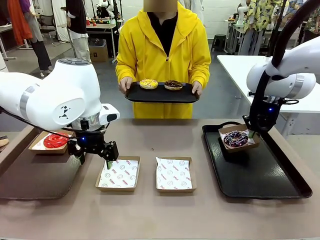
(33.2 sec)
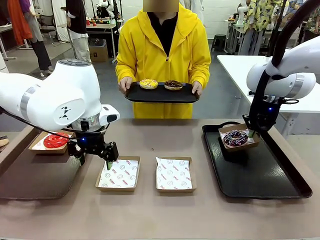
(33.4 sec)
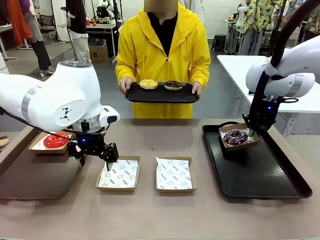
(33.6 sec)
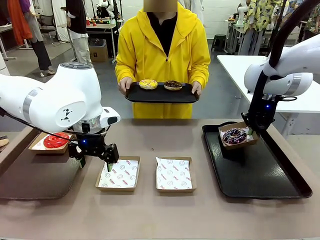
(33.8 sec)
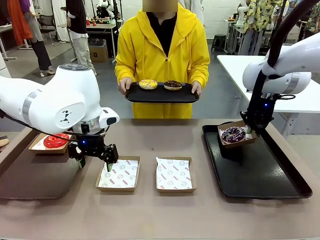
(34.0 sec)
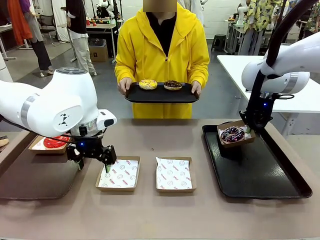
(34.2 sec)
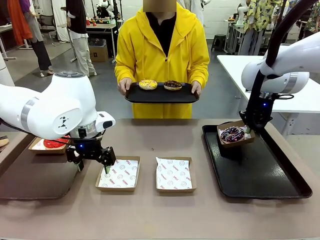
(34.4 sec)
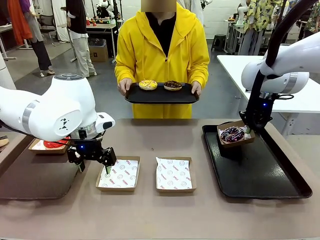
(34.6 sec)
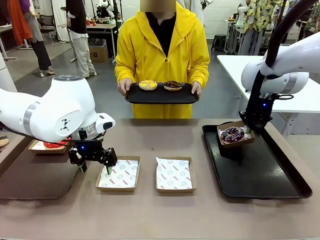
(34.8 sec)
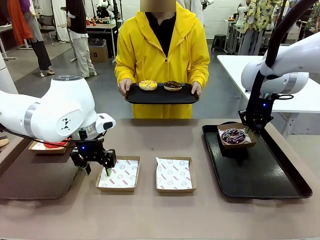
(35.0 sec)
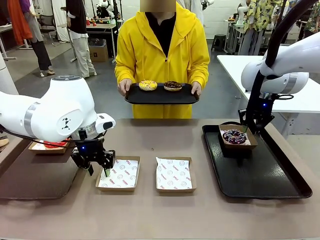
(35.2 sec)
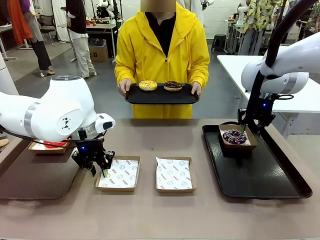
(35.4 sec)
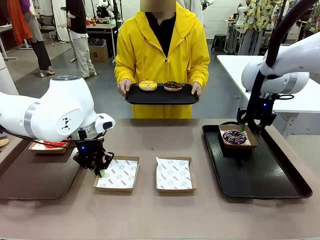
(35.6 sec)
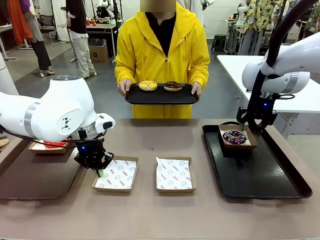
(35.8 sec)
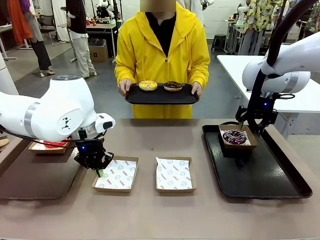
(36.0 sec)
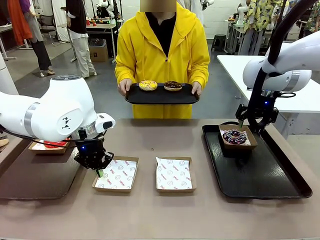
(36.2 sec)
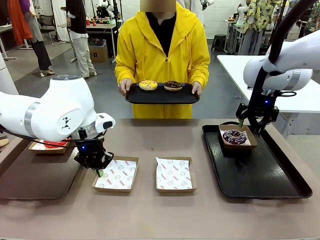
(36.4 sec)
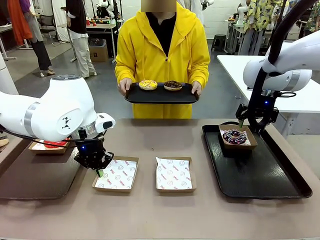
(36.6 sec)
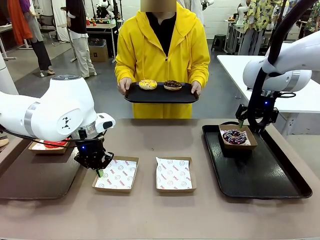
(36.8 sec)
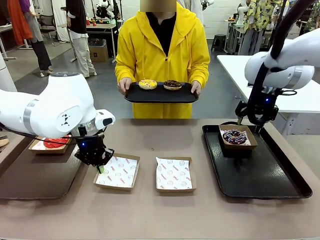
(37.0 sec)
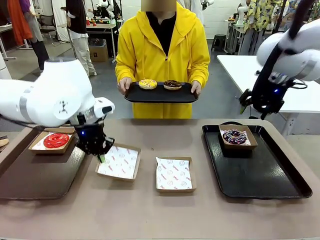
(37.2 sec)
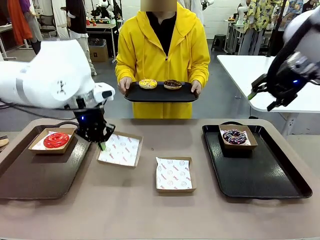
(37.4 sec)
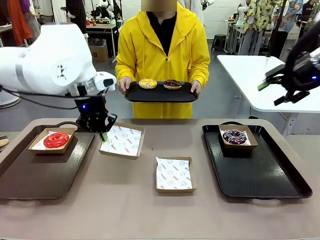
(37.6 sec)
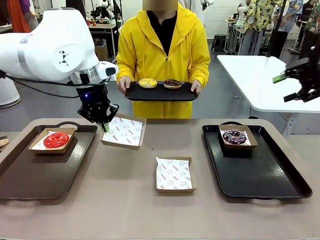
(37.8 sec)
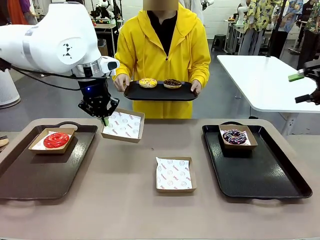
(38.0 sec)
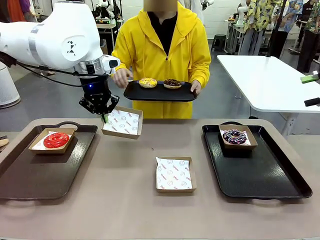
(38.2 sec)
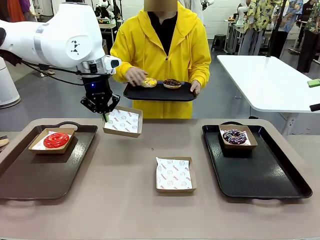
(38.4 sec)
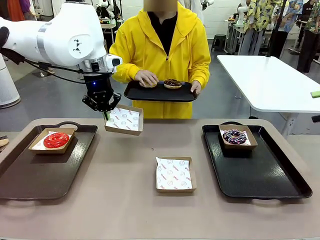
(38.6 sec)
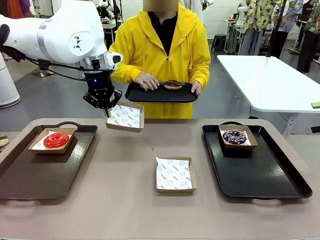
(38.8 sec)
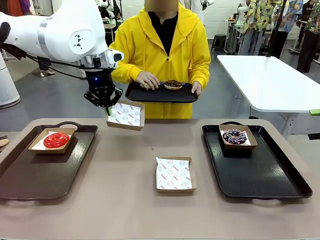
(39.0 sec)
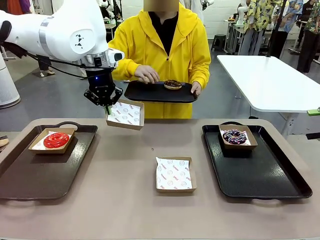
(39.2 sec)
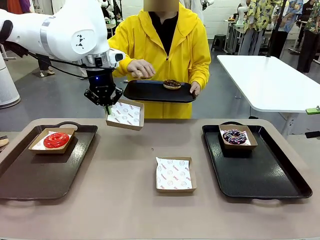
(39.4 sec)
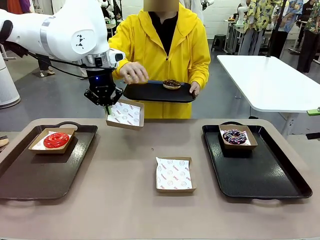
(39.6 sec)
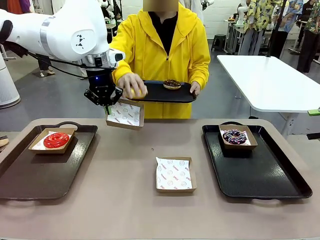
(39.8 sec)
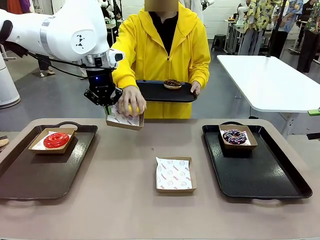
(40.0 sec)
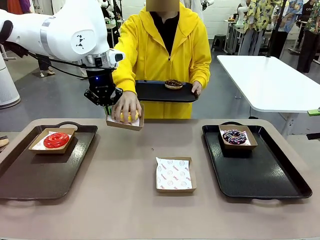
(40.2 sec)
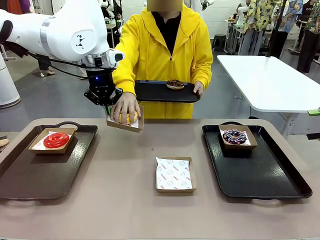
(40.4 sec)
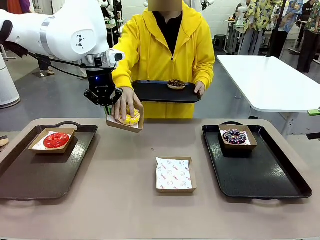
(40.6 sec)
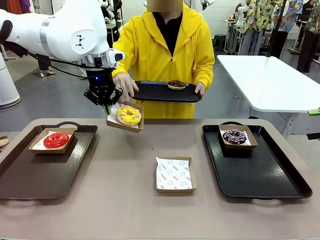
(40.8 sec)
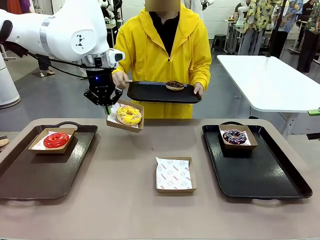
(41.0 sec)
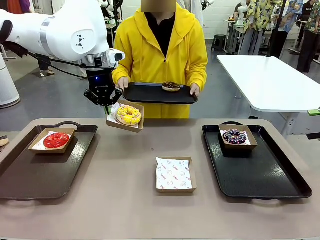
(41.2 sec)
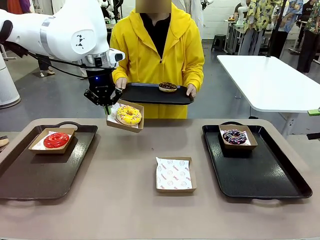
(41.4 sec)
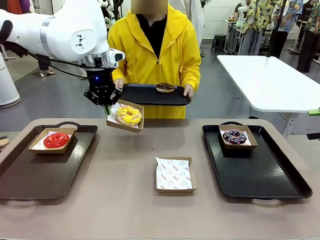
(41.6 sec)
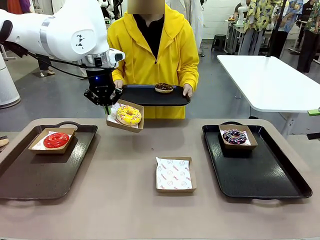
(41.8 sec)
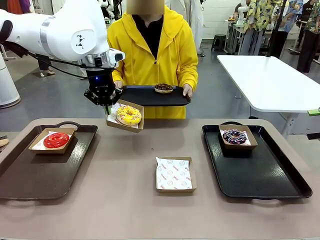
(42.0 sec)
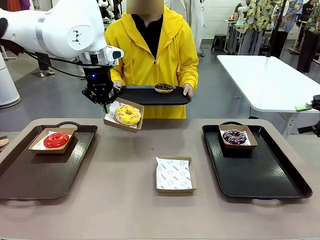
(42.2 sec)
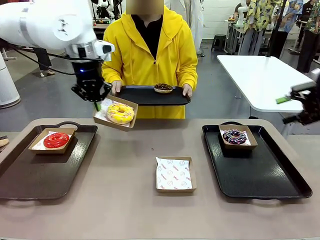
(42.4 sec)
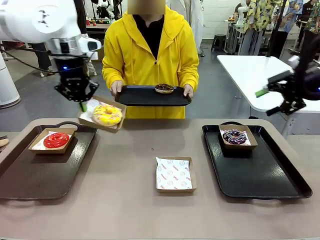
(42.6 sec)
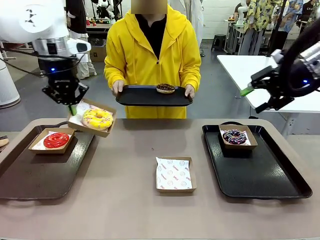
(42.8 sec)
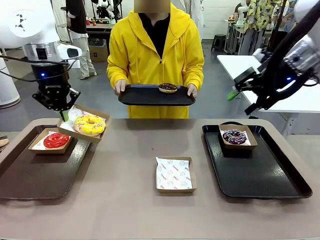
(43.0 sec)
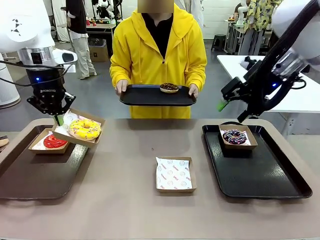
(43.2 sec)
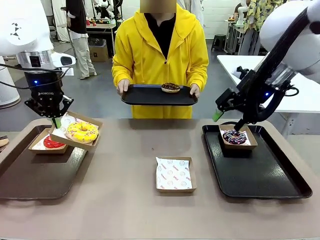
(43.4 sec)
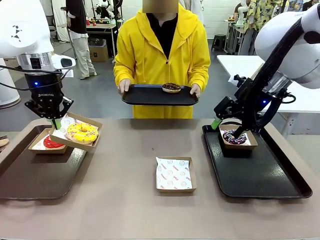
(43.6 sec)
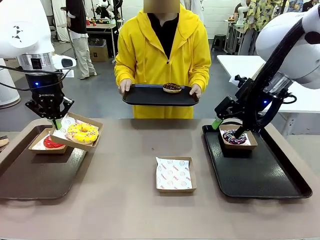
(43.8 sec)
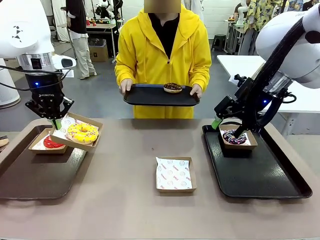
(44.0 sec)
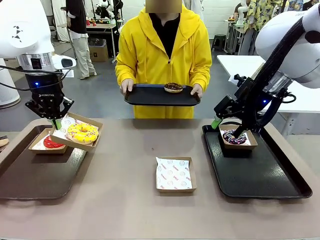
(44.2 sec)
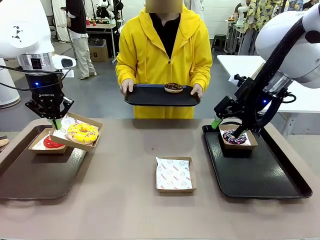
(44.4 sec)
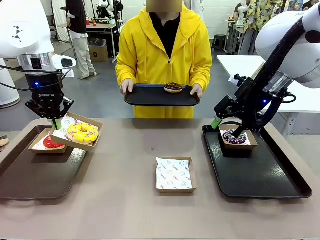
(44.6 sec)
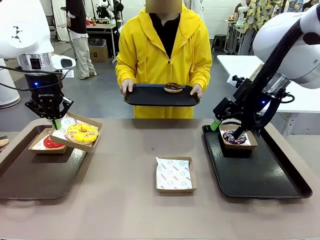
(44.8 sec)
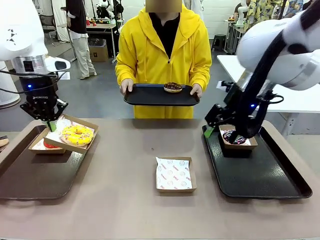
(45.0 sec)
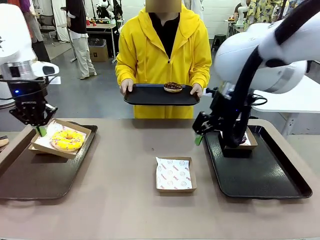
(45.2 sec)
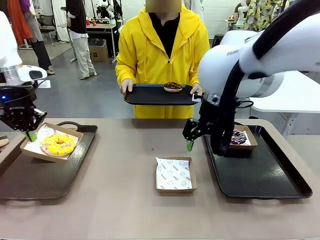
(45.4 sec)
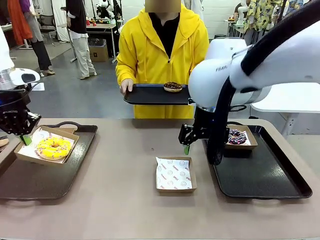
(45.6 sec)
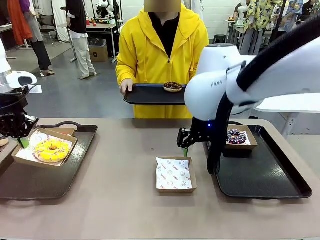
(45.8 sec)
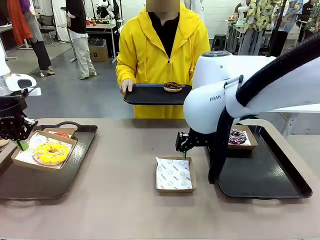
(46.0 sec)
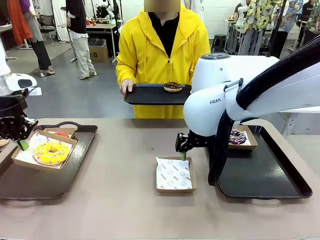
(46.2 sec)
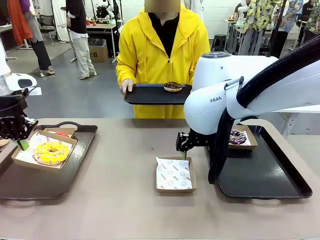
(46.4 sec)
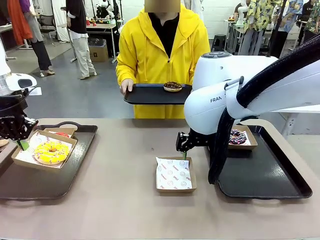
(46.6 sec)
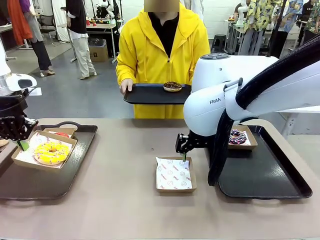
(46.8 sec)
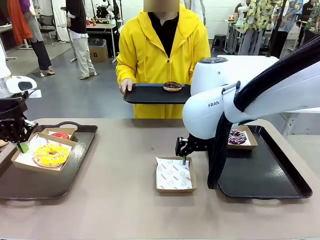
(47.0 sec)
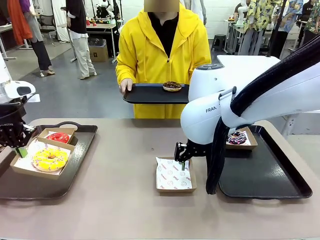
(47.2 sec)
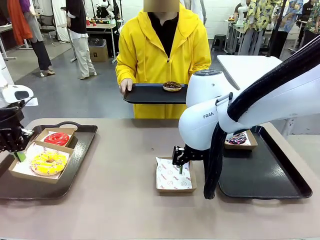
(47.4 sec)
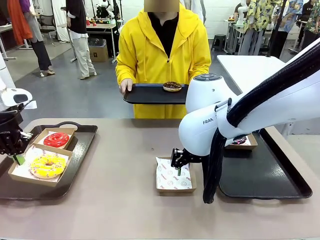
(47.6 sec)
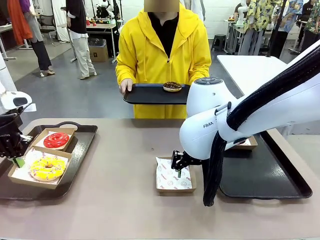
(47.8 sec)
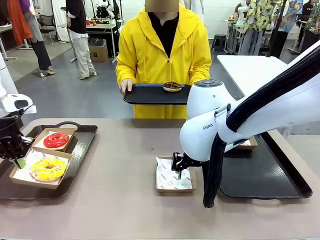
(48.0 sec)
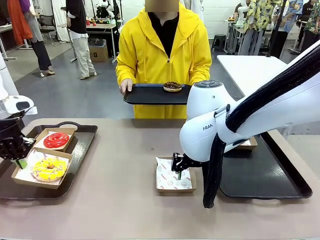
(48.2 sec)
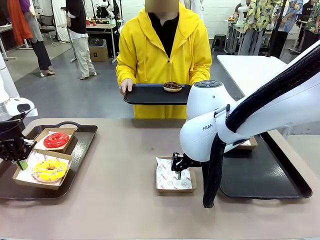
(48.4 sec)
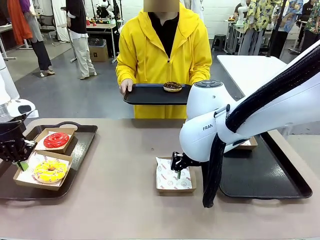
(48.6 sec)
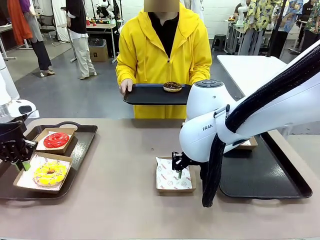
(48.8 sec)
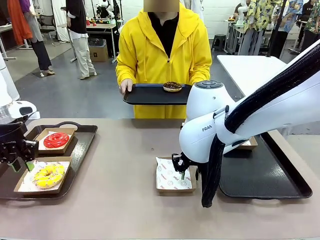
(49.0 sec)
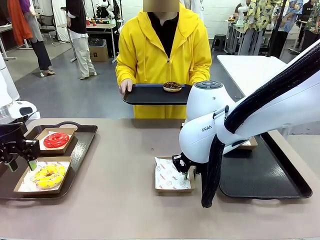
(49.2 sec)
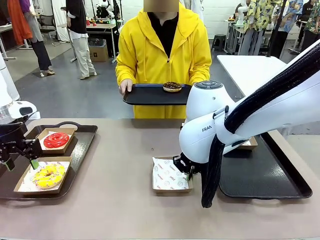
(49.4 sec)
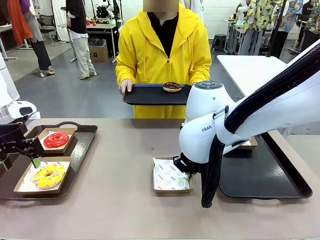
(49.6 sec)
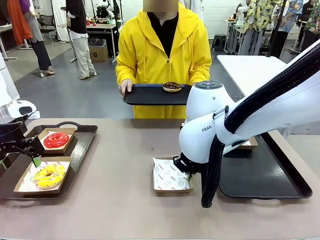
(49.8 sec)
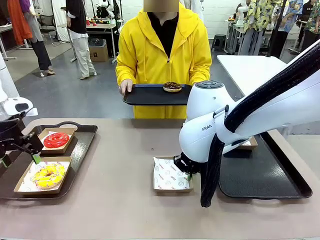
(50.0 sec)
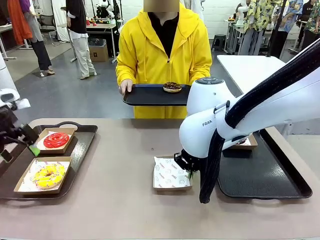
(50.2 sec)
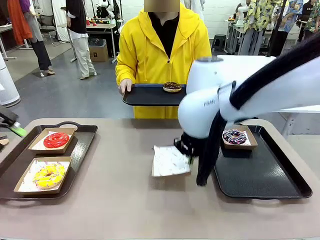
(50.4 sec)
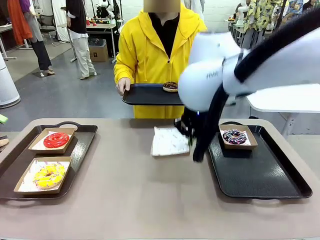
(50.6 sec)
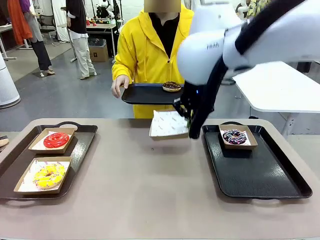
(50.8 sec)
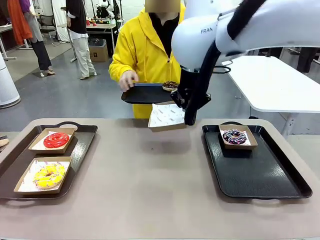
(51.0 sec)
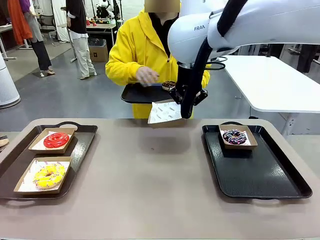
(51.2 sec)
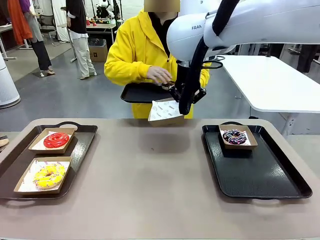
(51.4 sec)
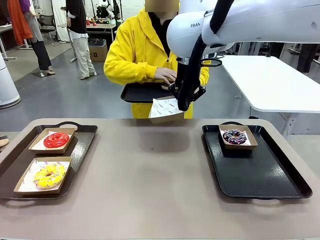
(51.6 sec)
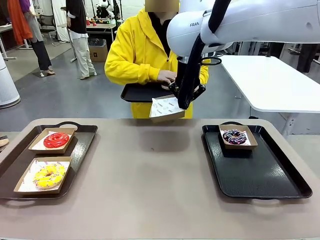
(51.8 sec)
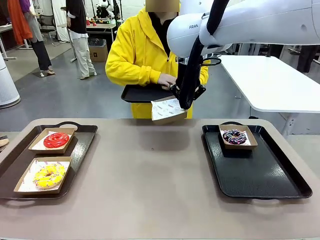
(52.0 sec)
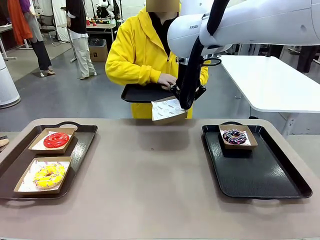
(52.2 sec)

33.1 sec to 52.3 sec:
Task: Individually package the donuts and arrange them on the tray.
Robot: Place the picked Paper togo box on the Handle tray while simultaneously picking up another Paper togo box from the table with the other hand.
